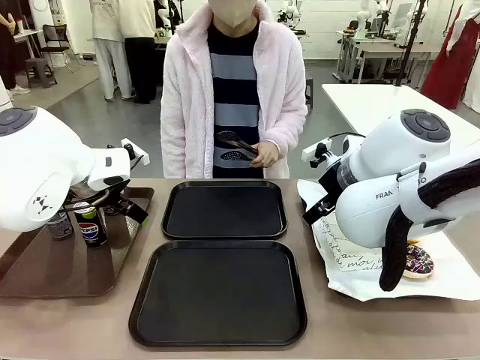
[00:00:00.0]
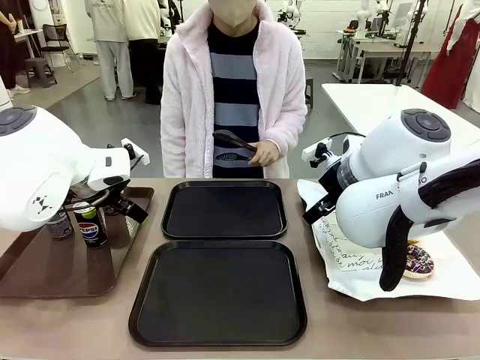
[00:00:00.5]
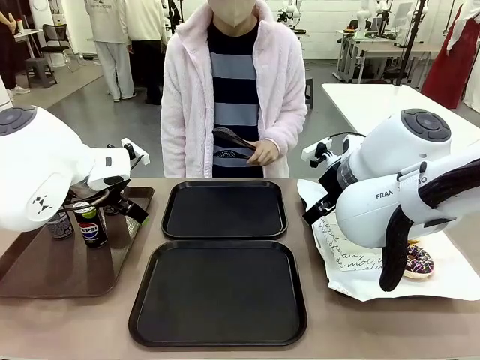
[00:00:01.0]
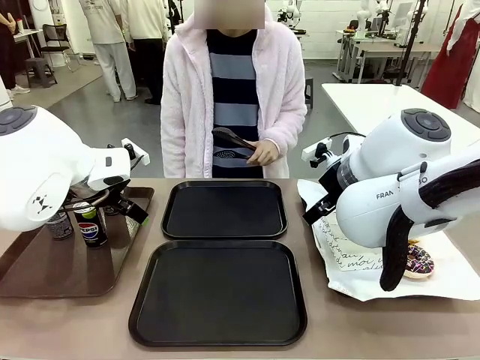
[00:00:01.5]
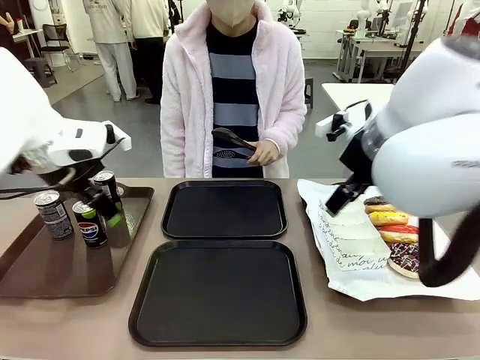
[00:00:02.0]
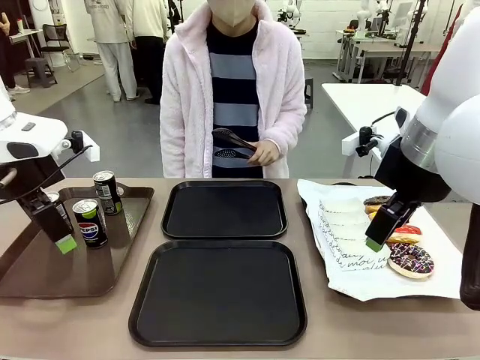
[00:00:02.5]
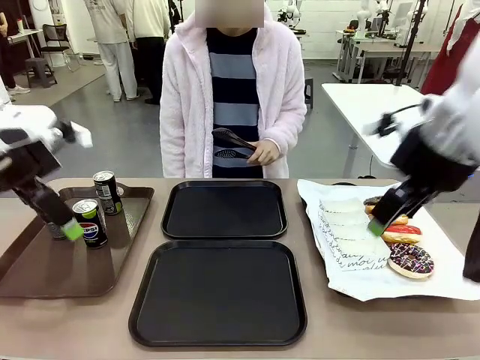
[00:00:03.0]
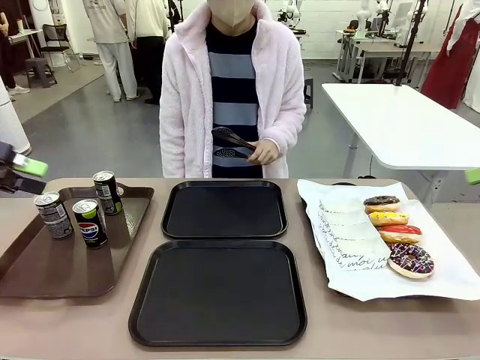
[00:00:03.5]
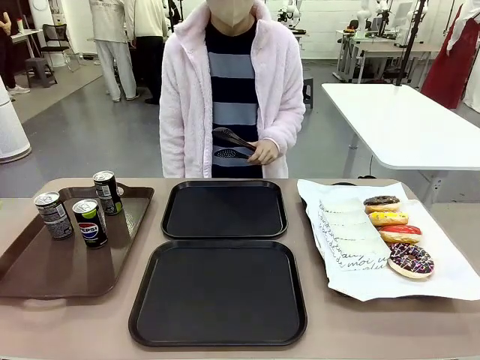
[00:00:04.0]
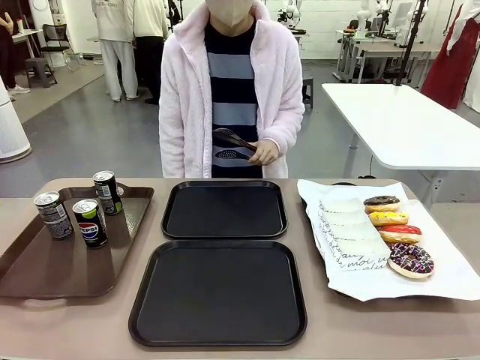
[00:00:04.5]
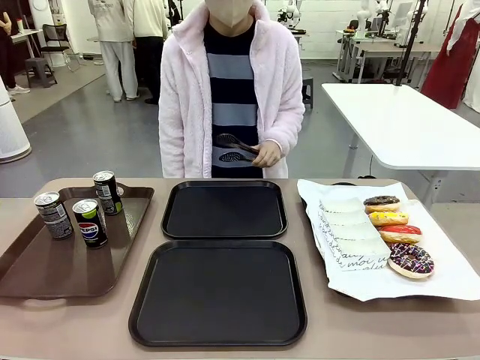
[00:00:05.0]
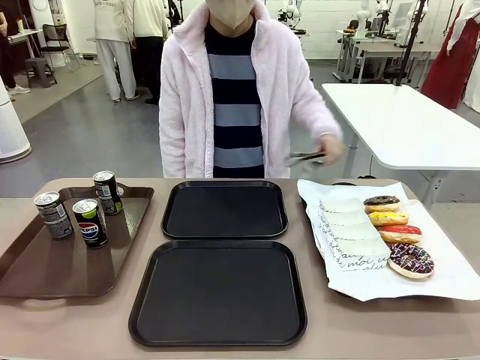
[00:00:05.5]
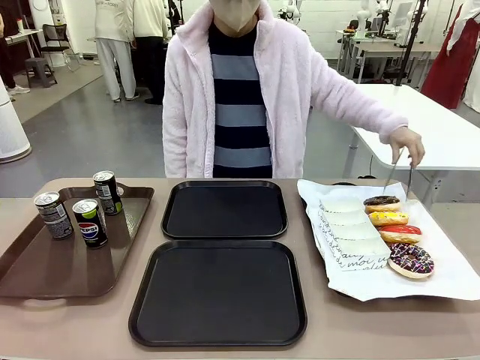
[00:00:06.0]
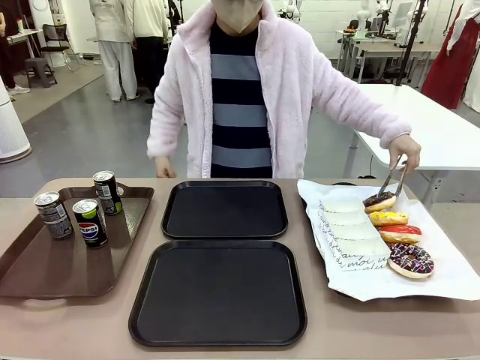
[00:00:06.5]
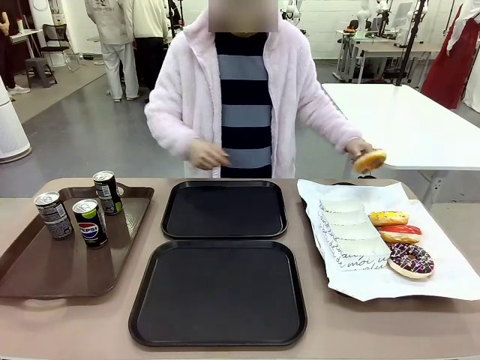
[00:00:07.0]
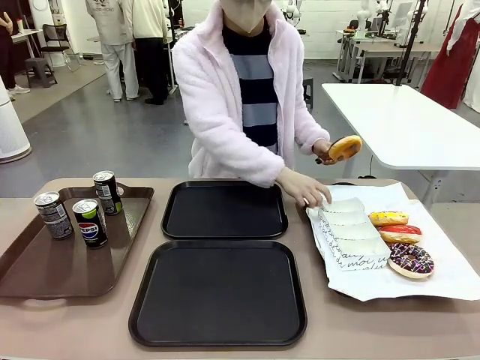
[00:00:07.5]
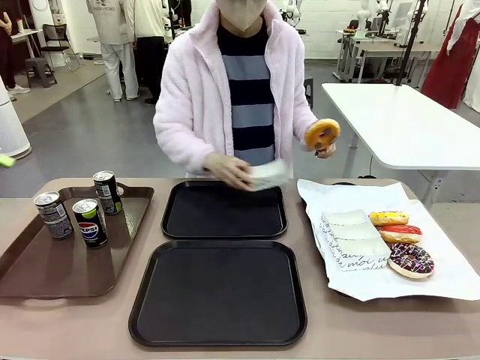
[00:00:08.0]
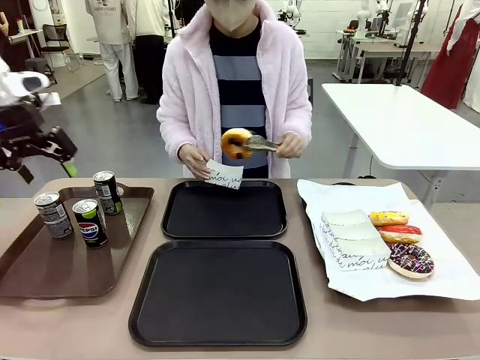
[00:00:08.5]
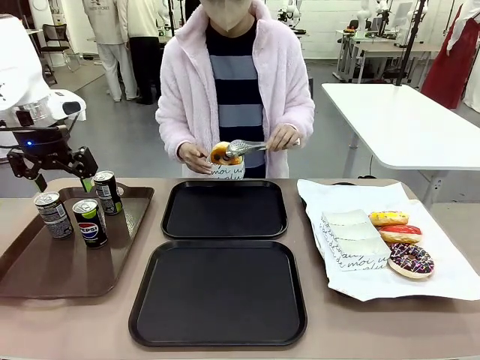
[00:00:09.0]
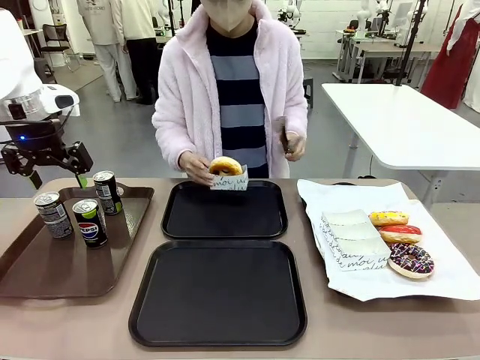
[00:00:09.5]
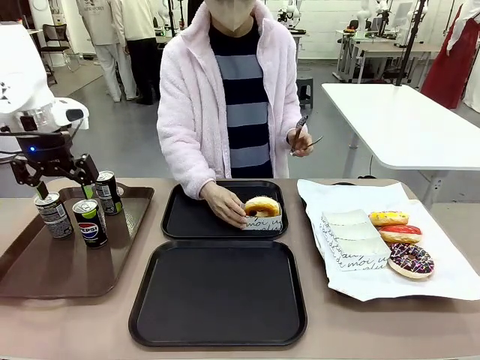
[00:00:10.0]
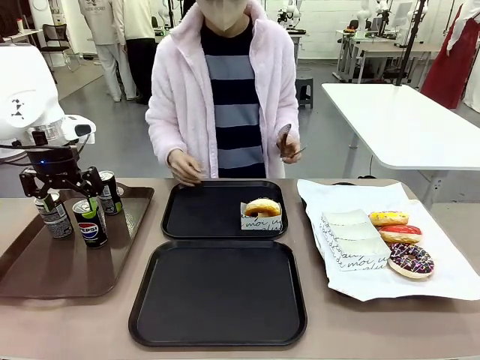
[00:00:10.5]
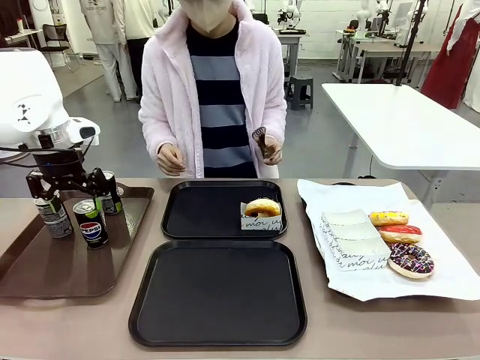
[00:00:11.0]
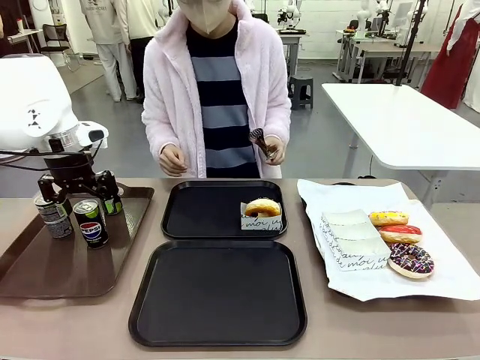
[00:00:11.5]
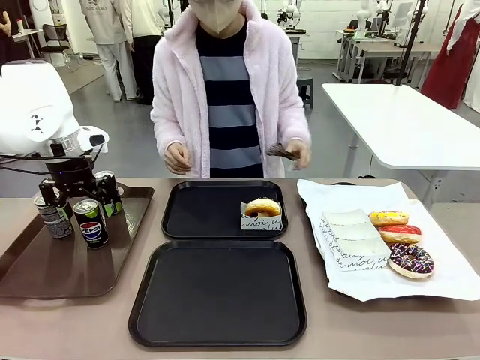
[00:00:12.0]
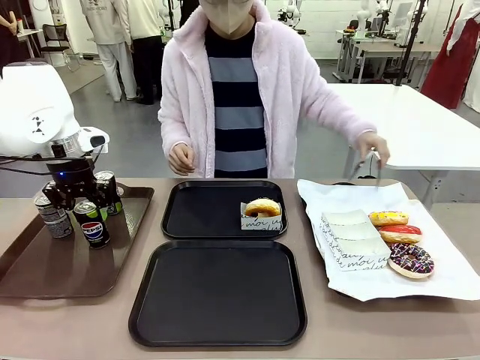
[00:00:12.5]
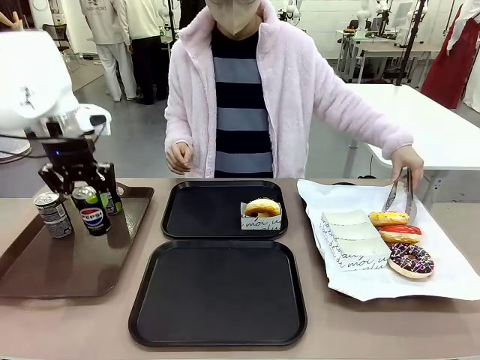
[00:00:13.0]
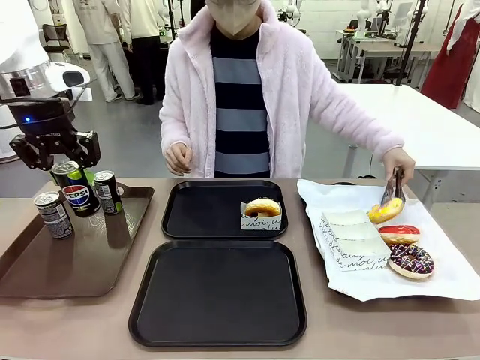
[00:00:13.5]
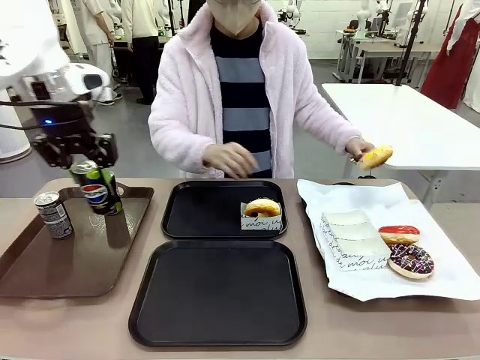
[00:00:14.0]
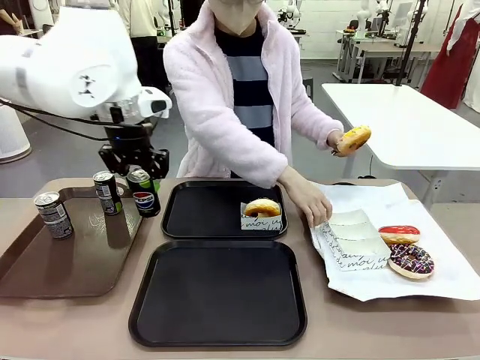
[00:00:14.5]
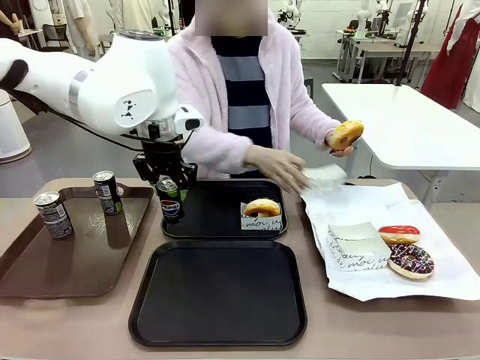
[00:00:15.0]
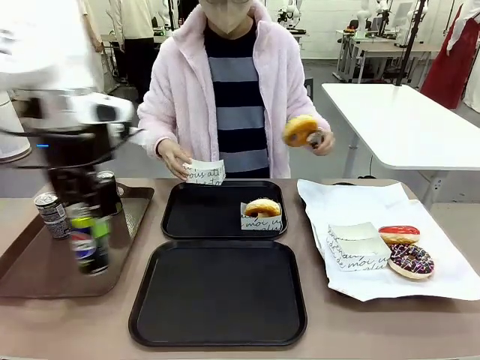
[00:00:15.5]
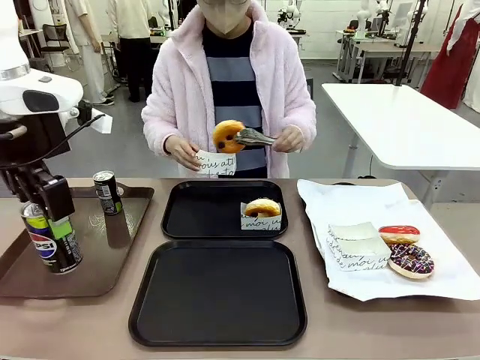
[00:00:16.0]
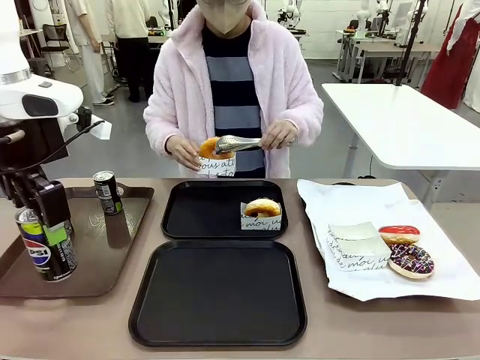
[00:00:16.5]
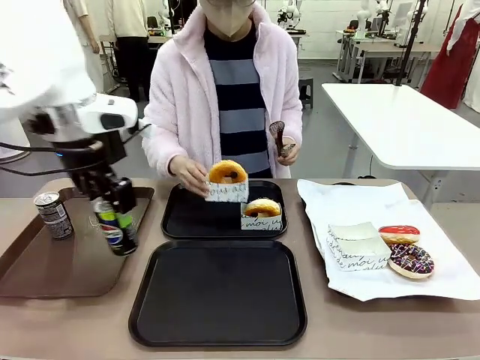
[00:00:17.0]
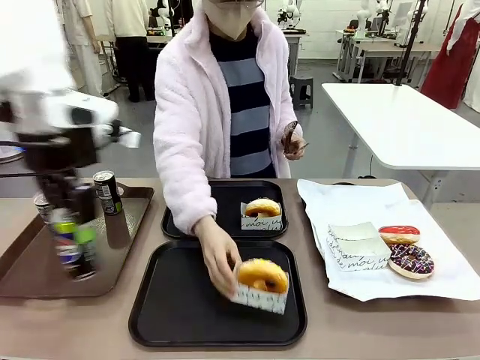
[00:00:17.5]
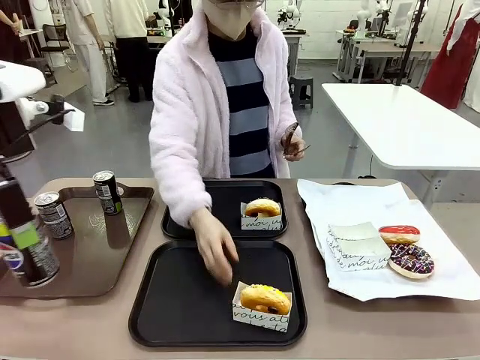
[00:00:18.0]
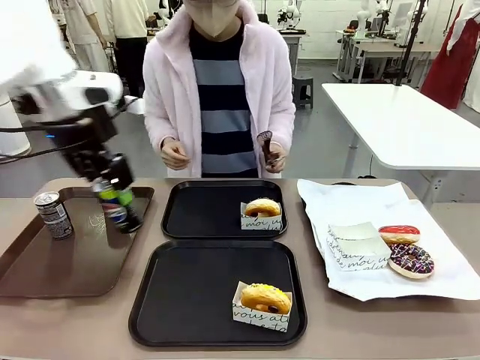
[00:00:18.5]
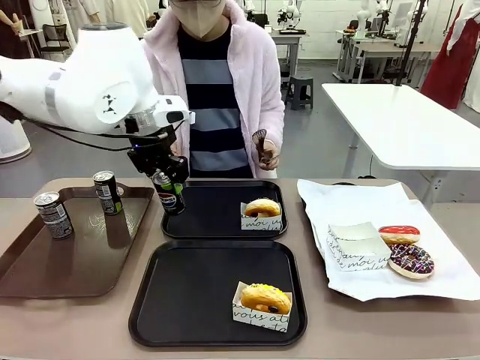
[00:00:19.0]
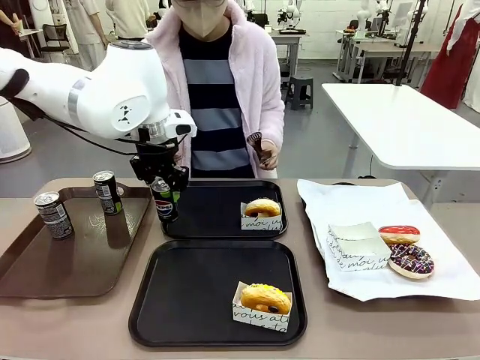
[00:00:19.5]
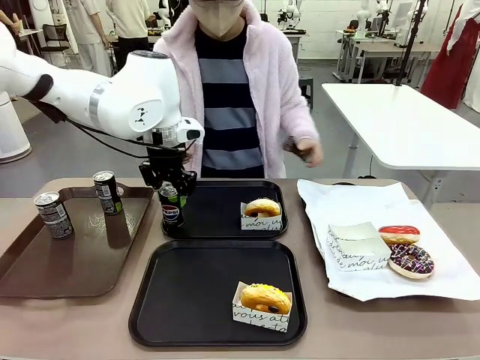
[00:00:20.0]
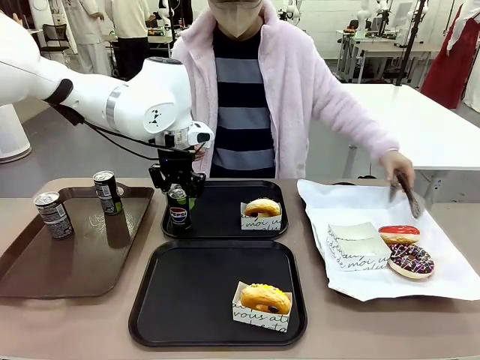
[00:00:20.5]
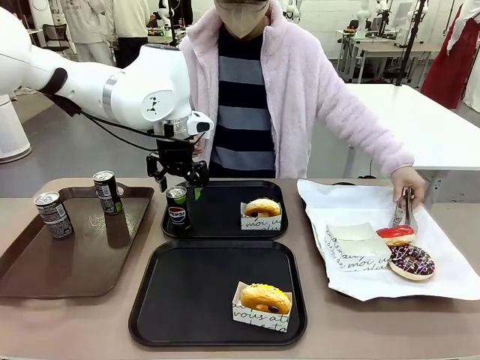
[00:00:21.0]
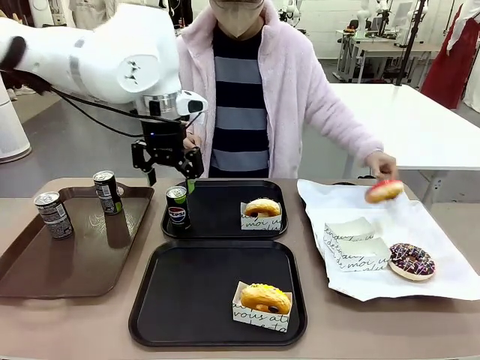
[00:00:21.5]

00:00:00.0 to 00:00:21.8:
Task: Set up donuts and drinks on trays.
Robot: Pick up one Pepsi coke and place it on the Flat Tray.
Person: Pick up one donut with tongs, place it in the donut tray, and then place the donut tray on the flat tray.
